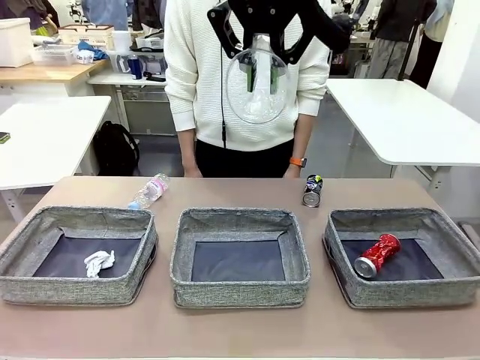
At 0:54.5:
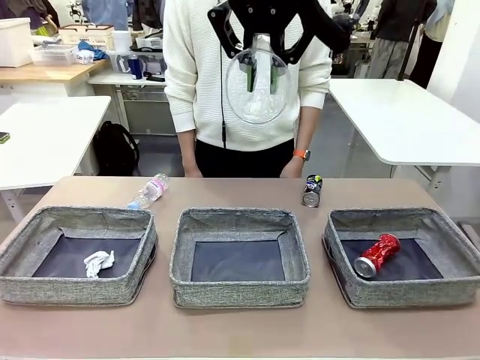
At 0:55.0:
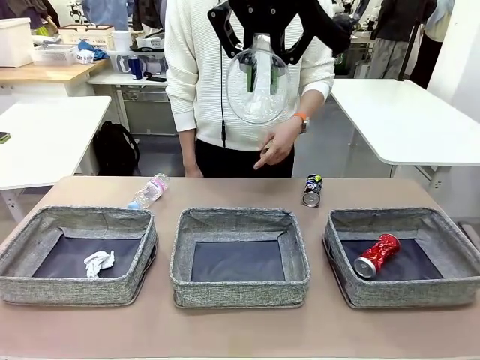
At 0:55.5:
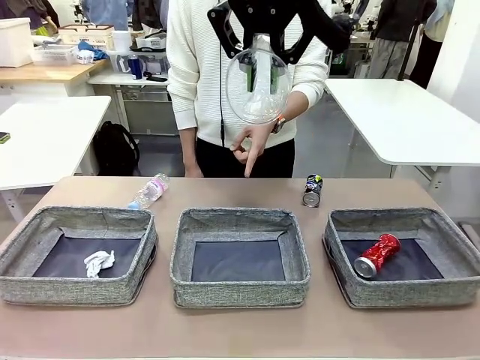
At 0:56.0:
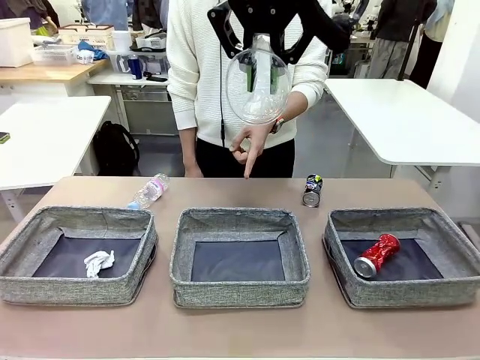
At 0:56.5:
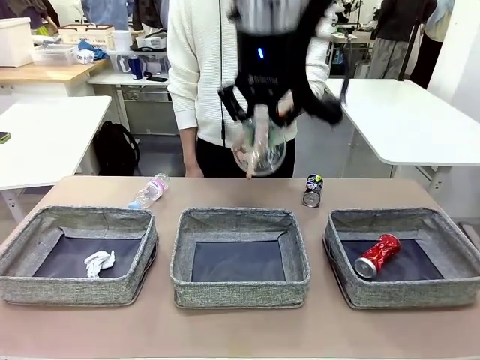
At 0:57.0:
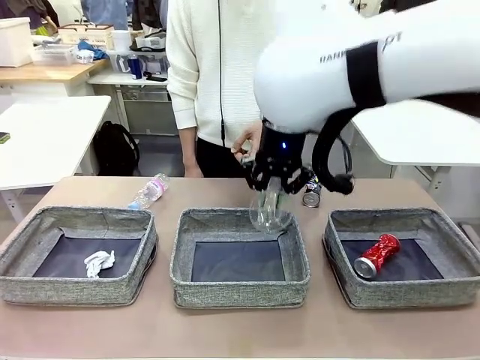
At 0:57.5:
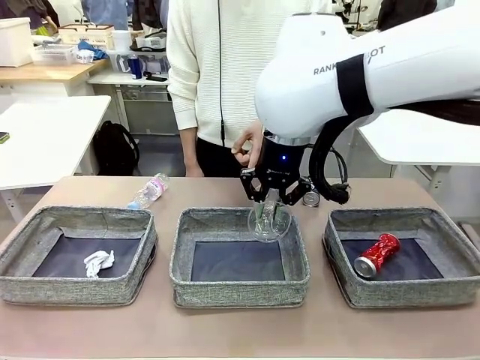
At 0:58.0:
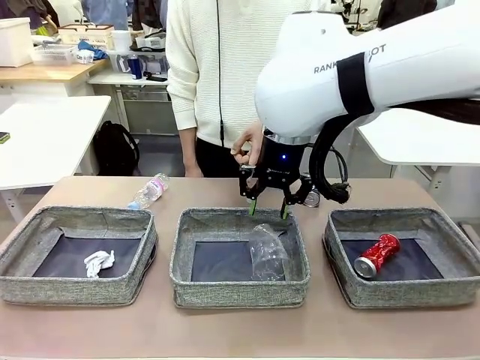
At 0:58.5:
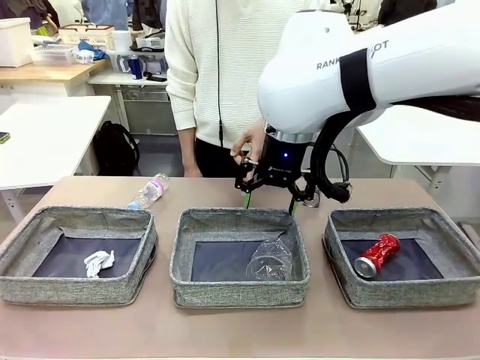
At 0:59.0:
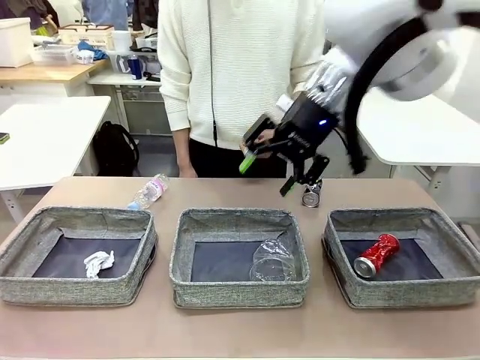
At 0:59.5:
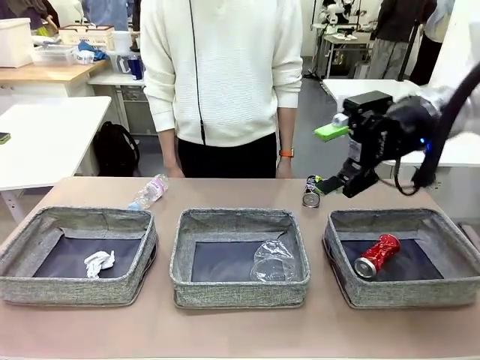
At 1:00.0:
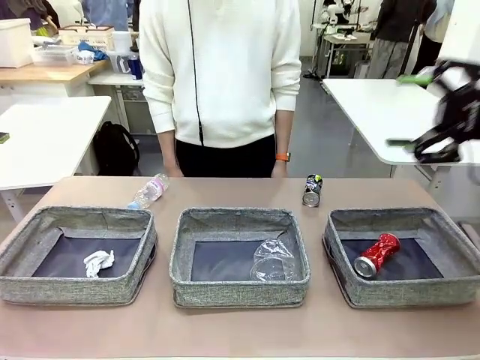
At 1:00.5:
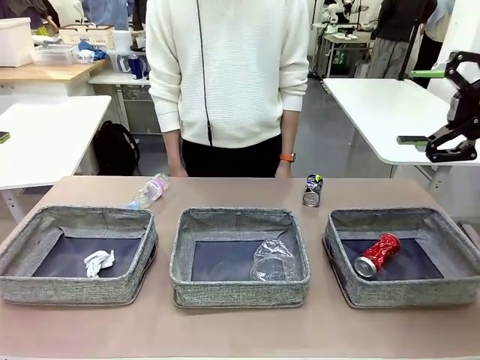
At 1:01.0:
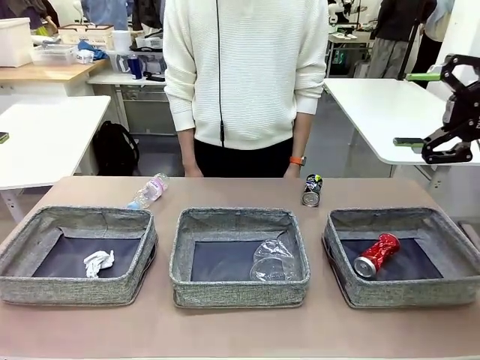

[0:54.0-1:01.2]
Task: Sort the waste into the appropriate baskets.
Robot: Place the picked waste into the Fabric basket indicated by the person.
Person: Instructs the robot to place the picked-up trash into the appropriate organizing basket.

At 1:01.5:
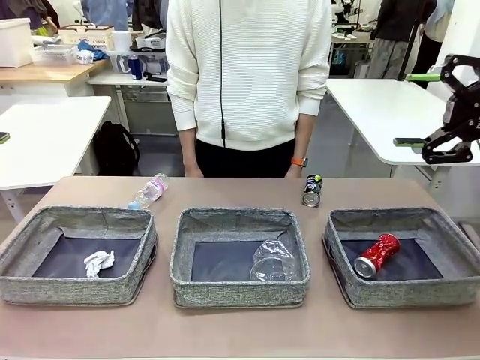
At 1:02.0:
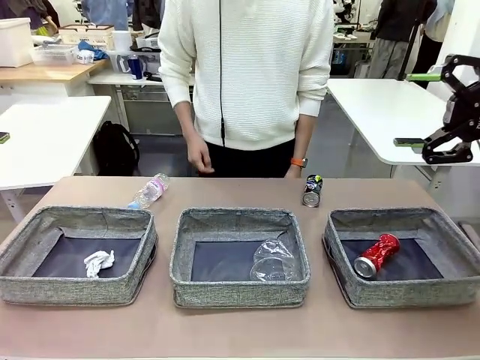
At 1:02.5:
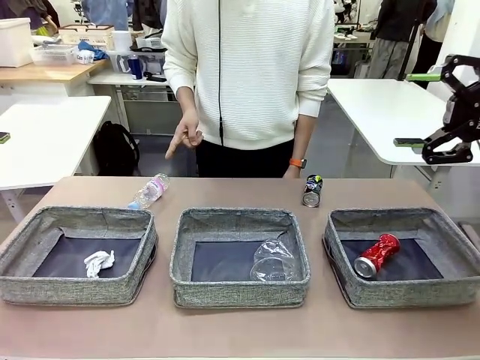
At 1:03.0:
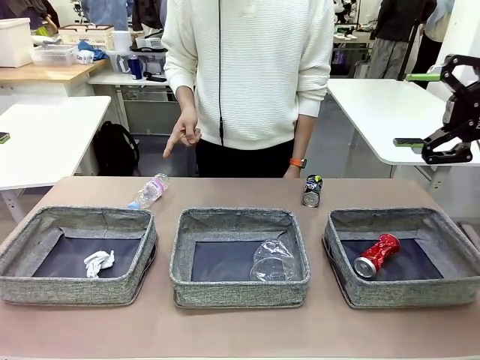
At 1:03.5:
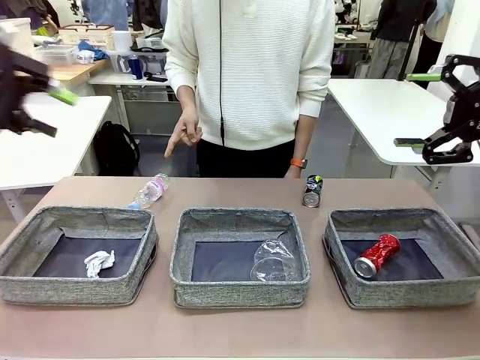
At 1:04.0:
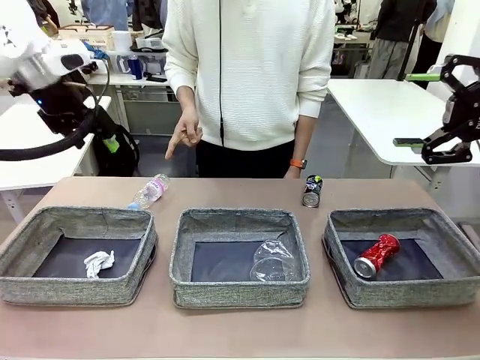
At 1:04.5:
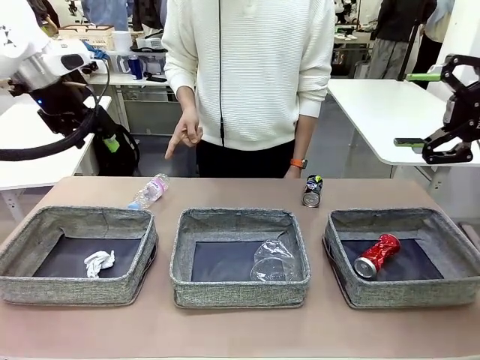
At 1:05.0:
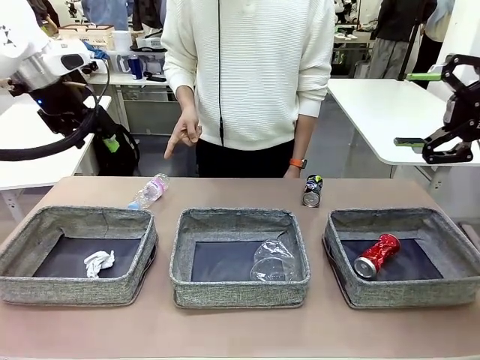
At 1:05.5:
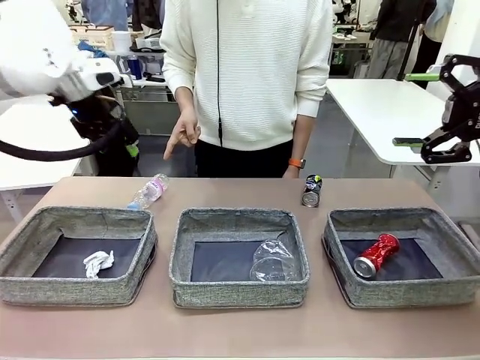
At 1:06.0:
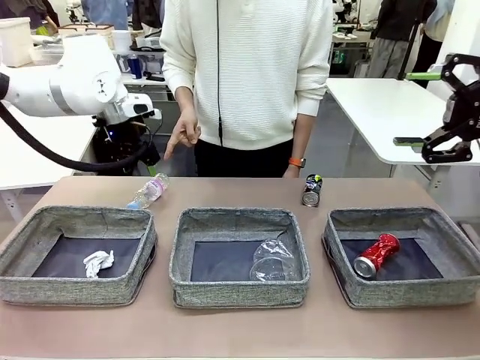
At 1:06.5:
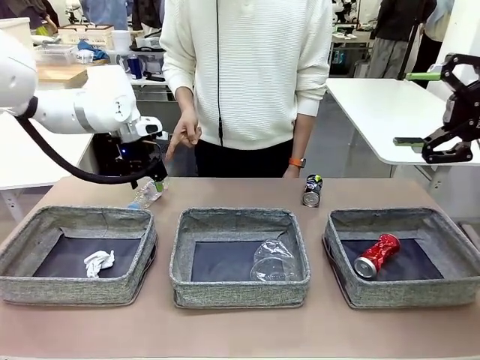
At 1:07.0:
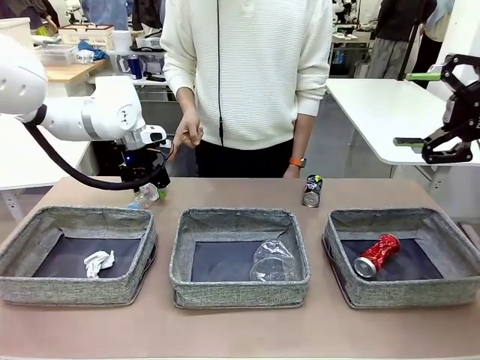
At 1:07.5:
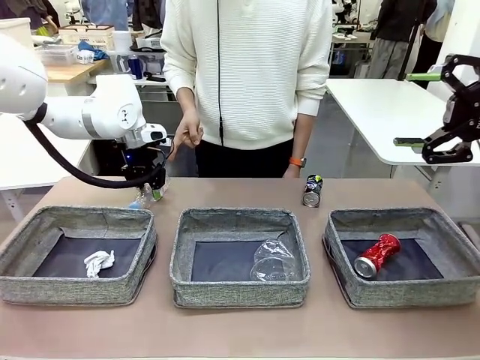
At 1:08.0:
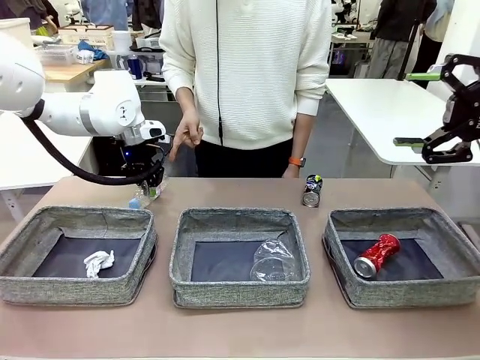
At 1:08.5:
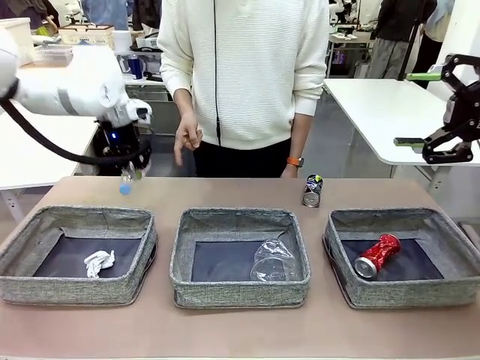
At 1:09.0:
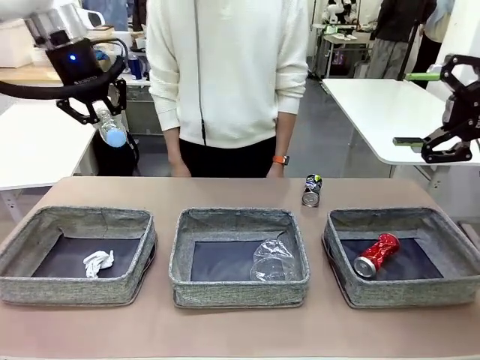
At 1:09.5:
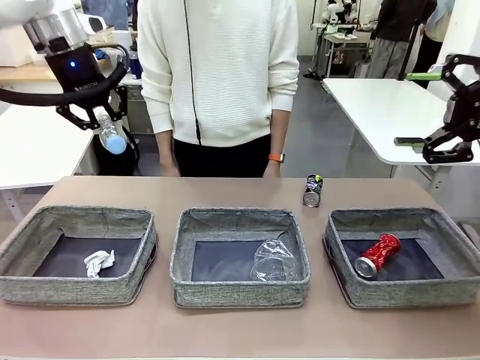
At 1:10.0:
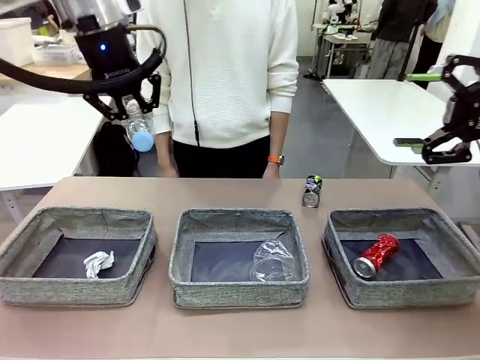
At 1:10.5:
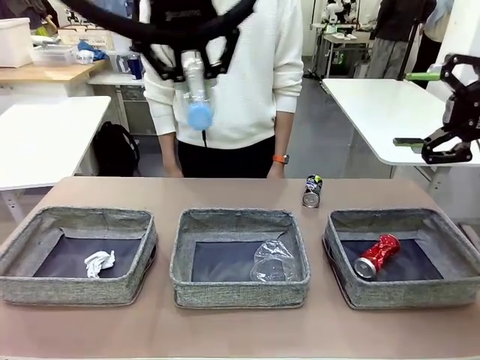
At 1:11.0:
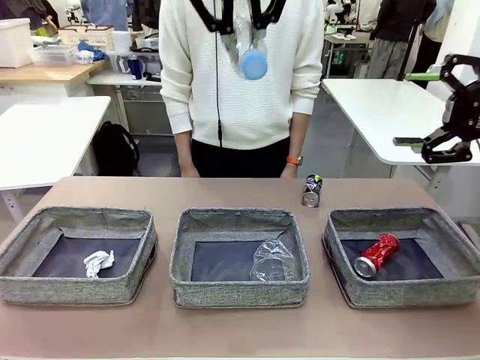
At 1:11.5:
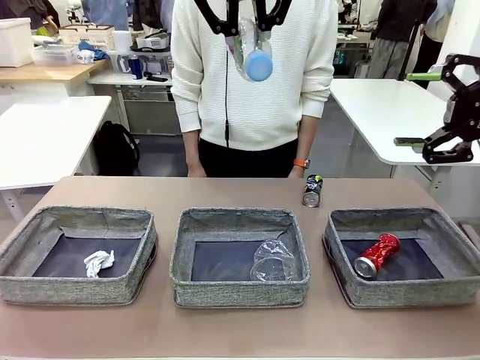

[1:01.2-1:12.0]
Robot: Pick up the waste item pointed out by the person.
Person: Points to one piece of trash on the table.

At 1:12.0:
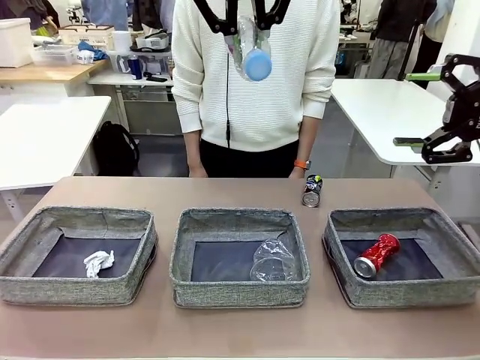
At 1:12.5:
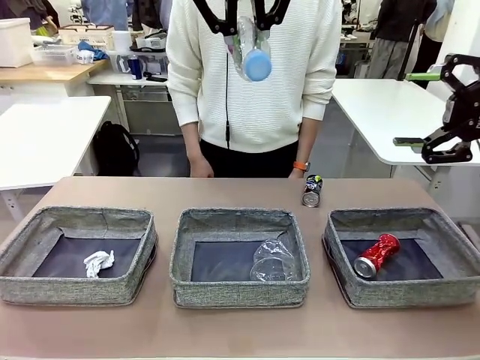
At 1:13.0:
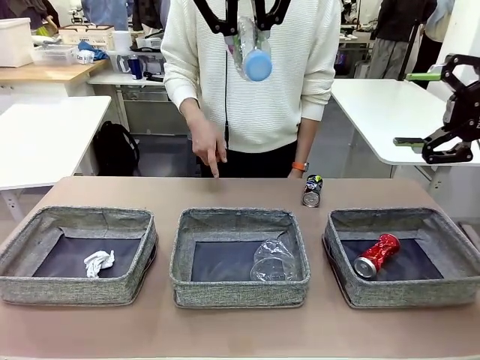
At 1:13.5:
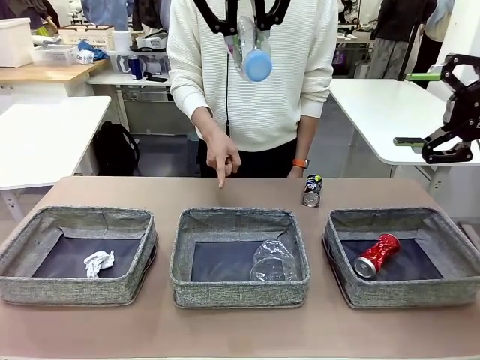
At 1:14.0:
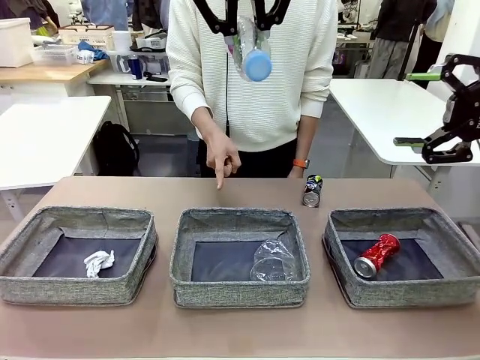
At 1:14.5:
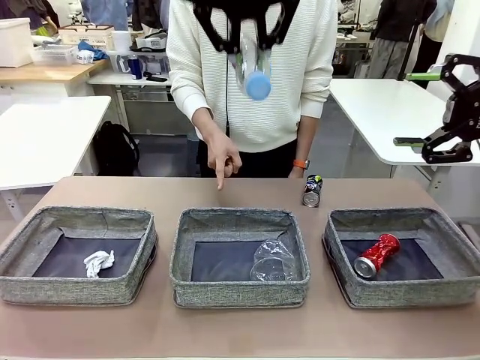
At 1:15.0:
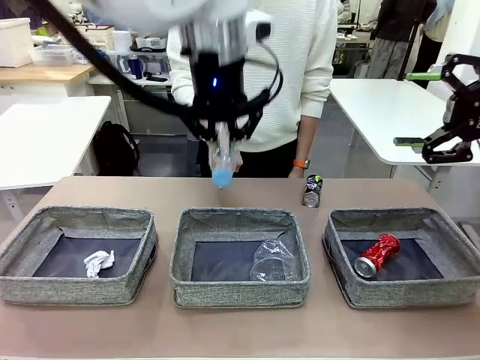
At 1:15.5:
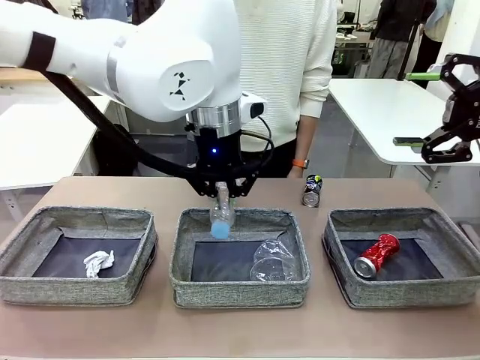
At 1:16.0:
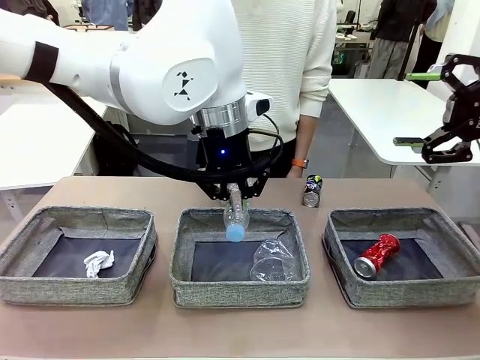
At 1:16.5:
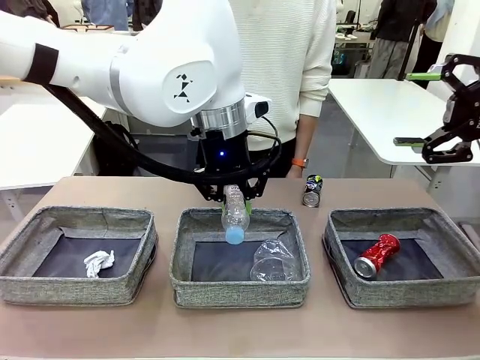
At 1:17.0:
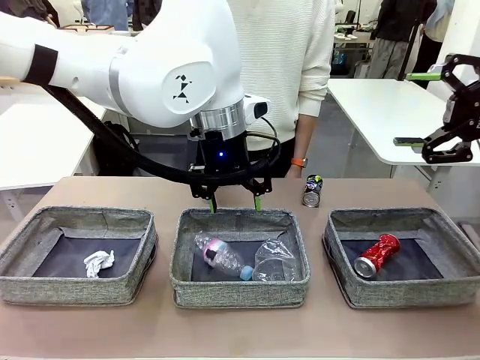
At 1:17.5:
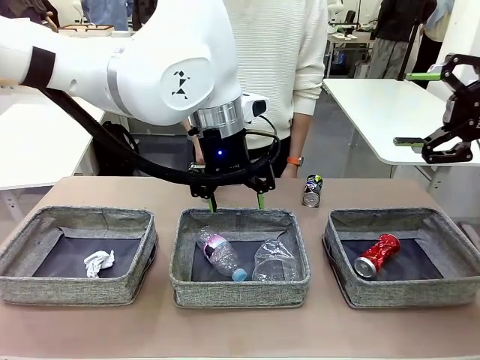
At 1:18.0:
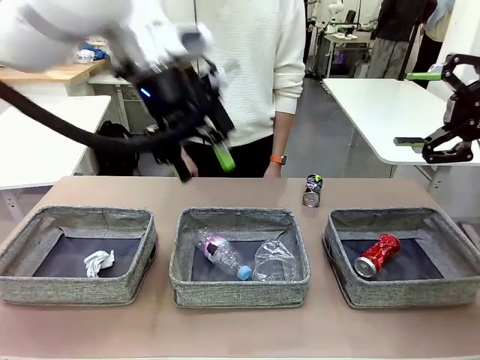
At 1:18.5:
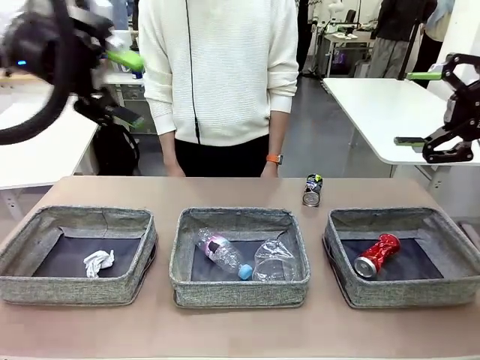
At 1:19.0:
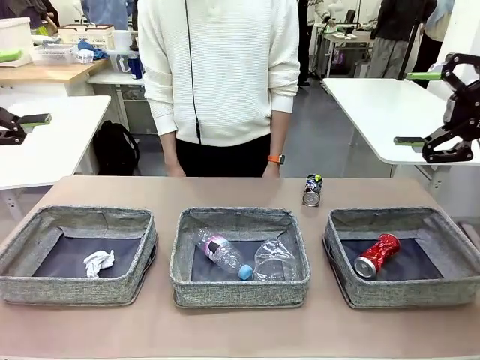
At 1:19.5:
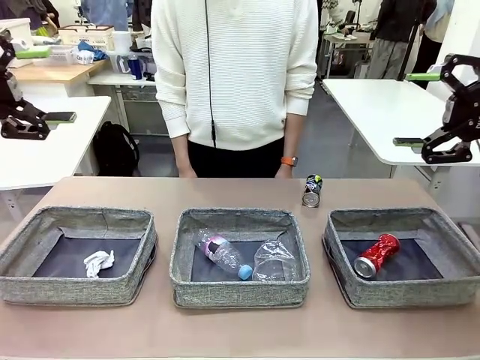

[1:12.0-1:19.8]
Robot: Place the picked waste into the Fabric basket indicated by the person.
Person: Instructs the robot to place the picked-up trash into the appropriate organizing basket.
